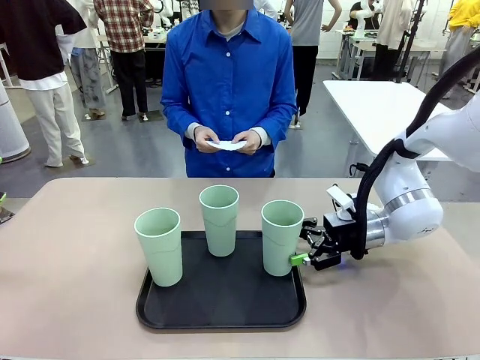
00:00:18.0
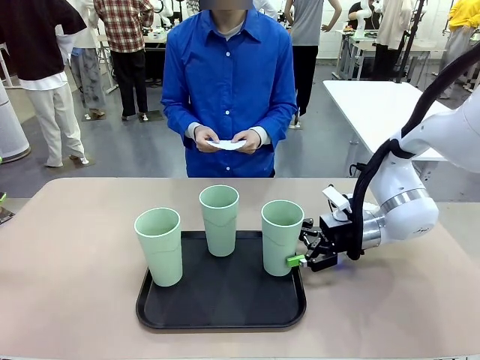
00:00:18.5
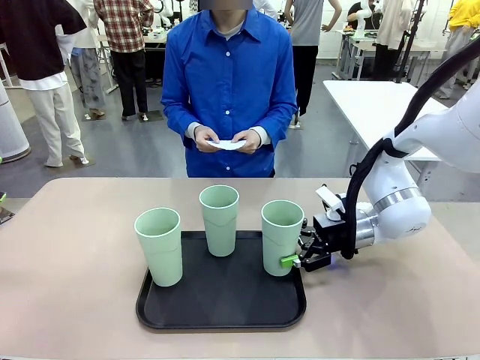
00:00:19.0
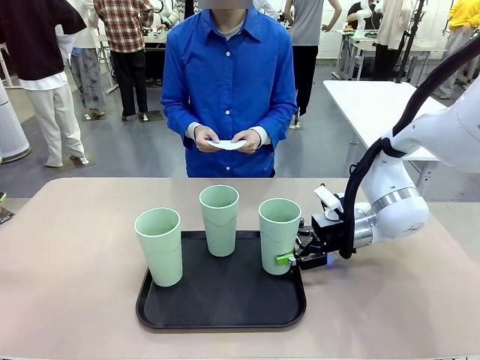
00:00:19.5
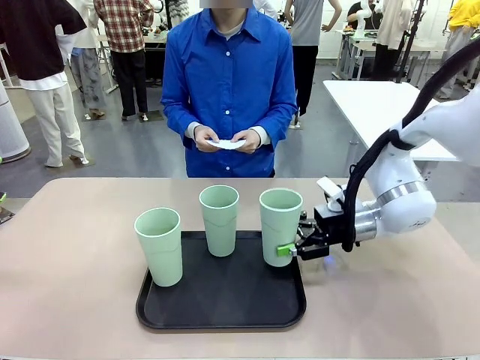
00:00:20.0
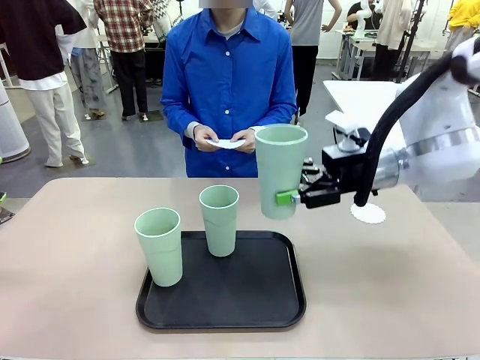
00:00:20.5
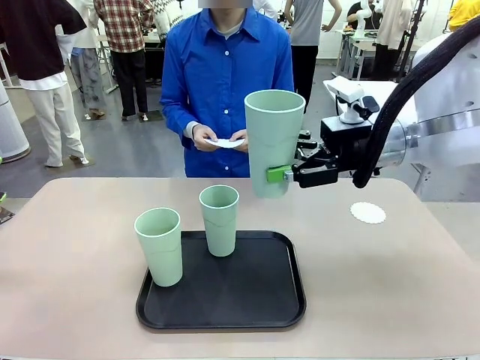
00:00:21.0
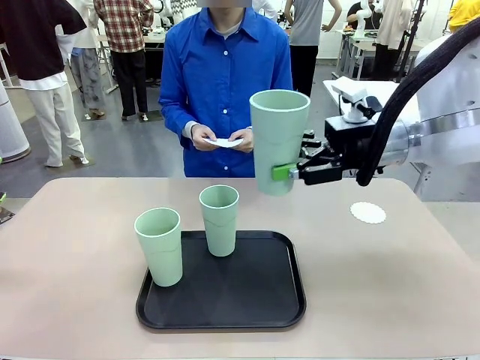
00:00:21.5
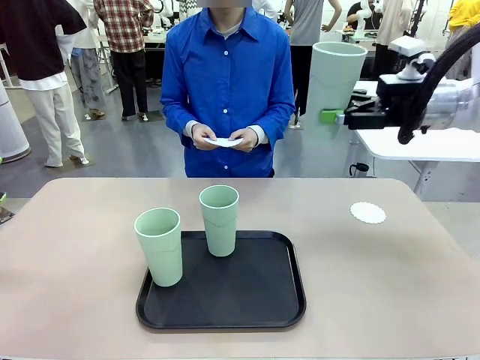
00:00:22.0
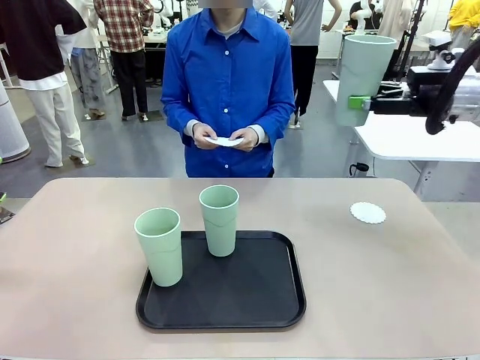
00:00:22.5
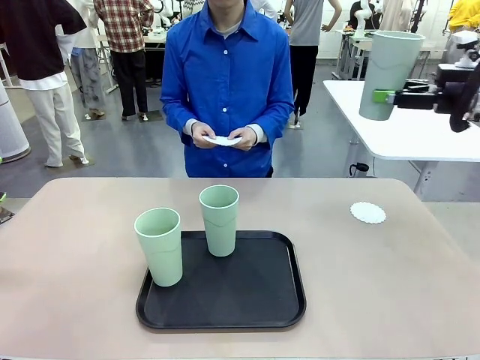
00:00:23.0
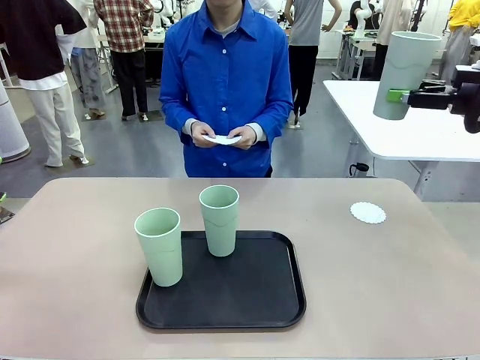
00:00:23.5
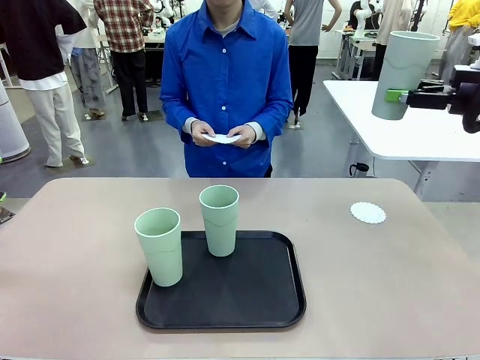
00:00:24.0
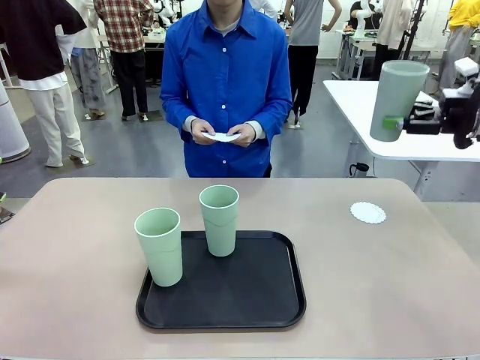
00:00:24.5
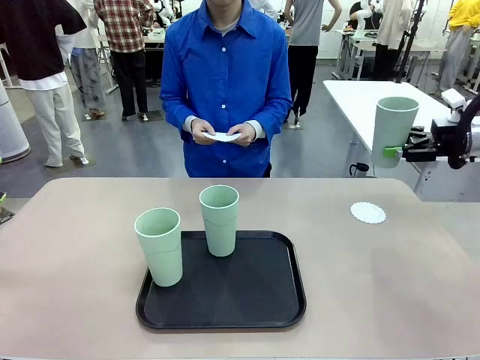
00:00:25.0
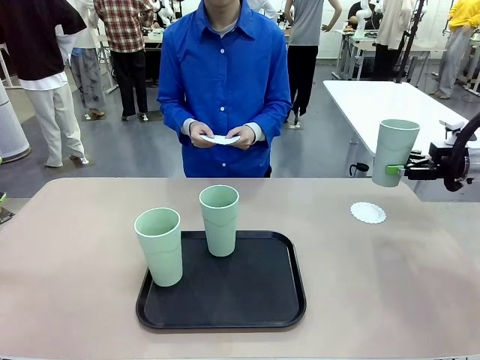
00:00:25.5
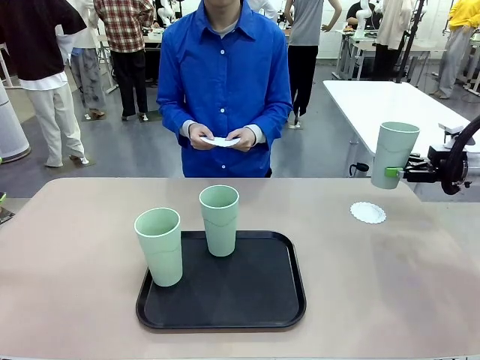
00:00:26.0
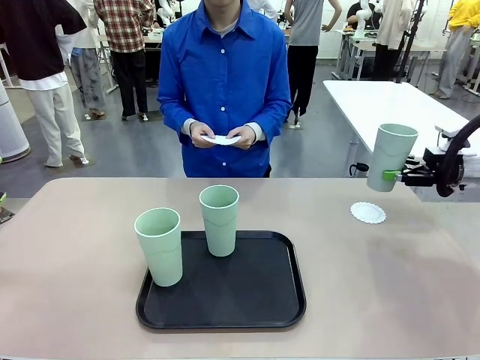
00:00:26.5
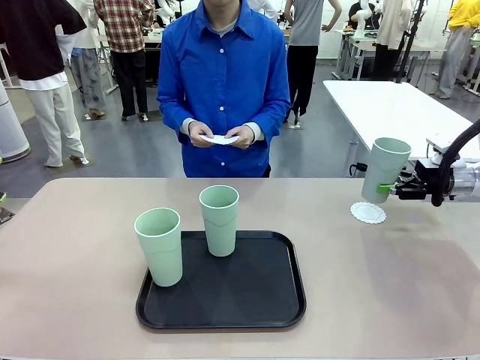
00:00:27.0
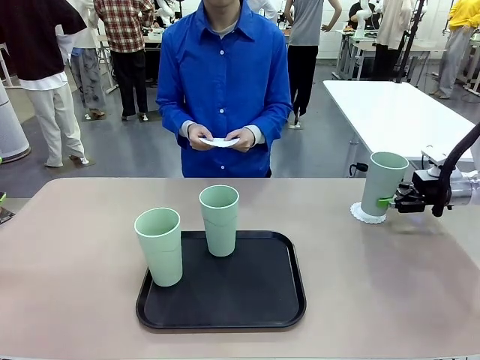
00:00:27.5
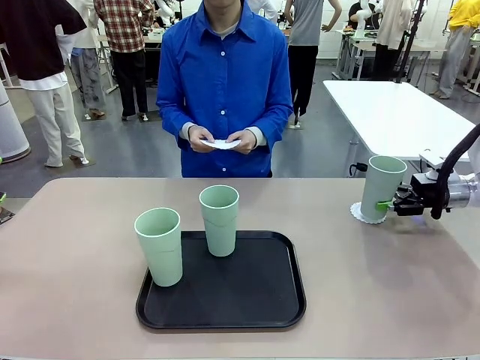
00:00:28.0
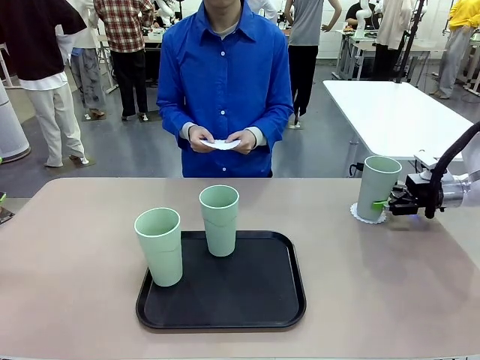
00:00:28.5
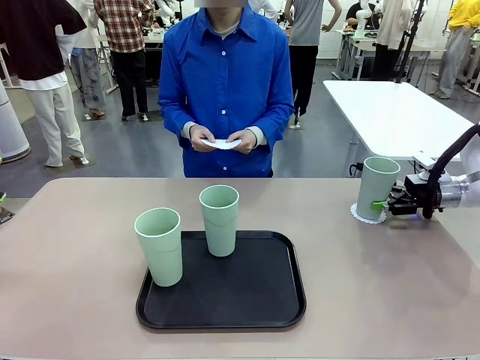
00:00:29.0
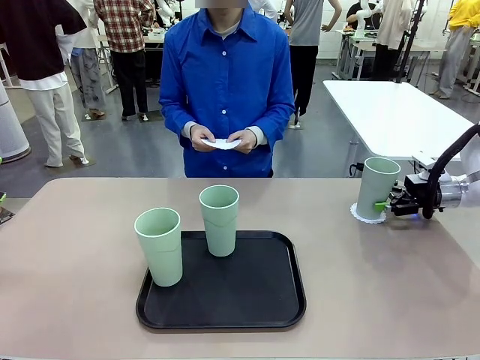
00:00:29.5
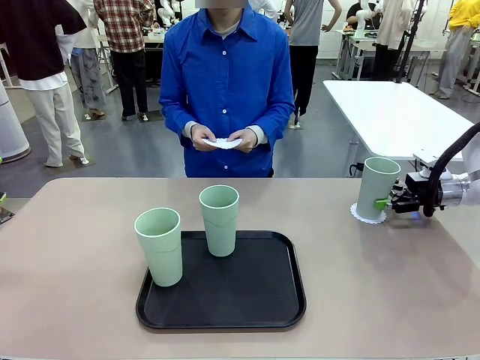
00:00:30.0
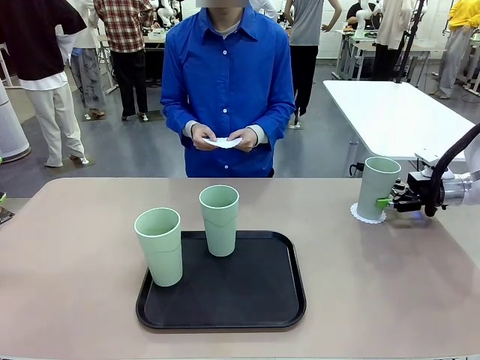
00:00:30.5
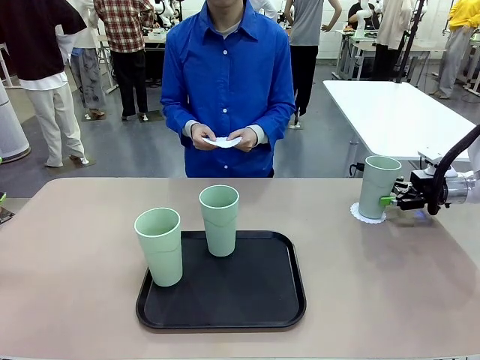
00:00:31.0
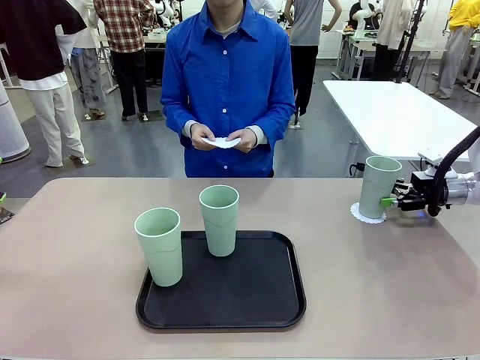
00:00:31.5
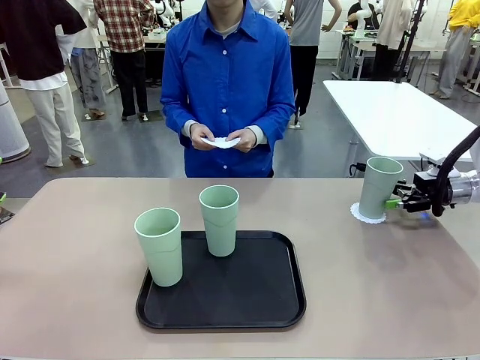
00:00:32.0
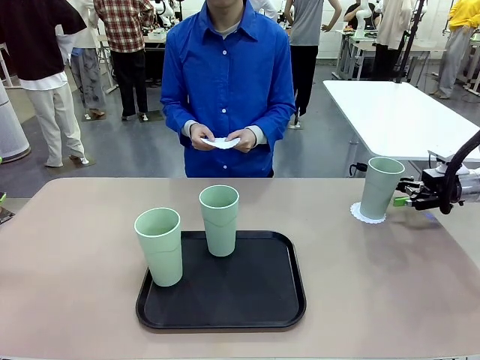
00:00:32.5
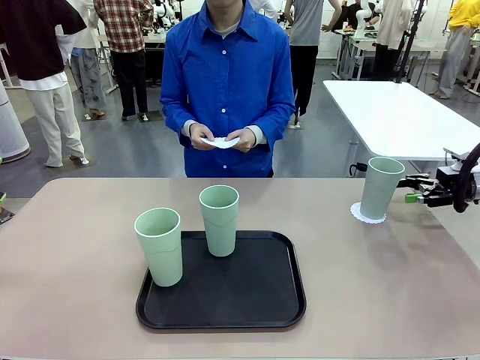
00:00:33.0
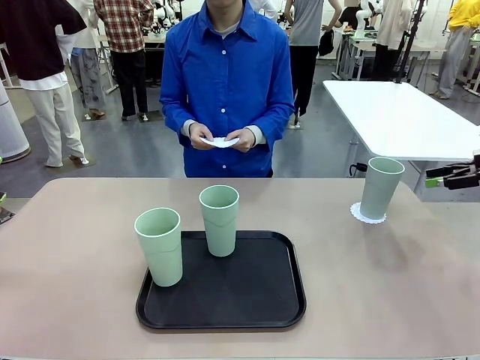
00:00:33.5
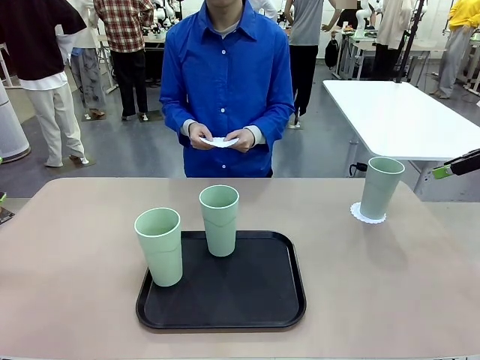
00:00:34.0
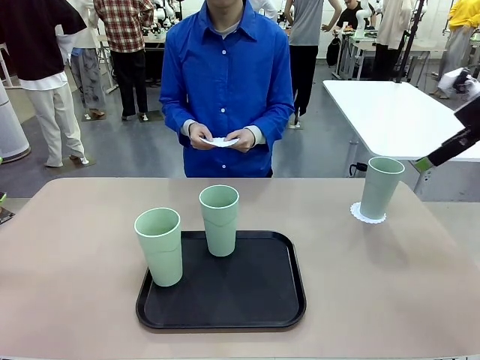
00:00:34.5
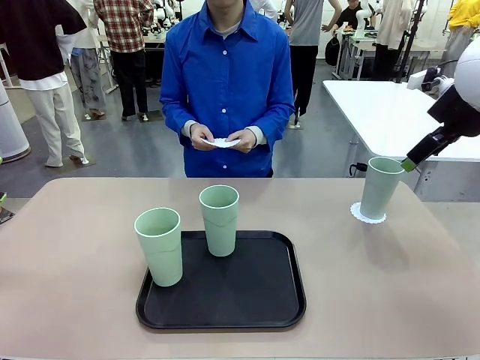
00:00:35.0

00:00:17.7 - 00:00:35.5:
Task: Place coasters on the table and set cups on them.
Robot: Pick up one Reusable plastic cup and place it on a coaster set by the human.
Person: Place one coaster in one of the two areas excluding the previously selected area.

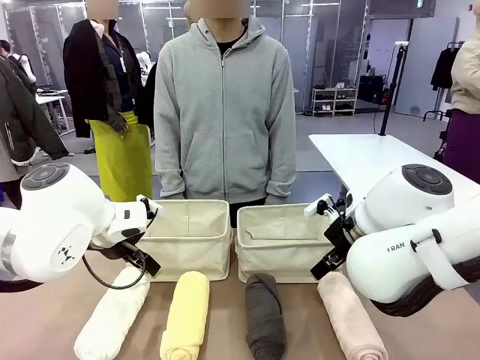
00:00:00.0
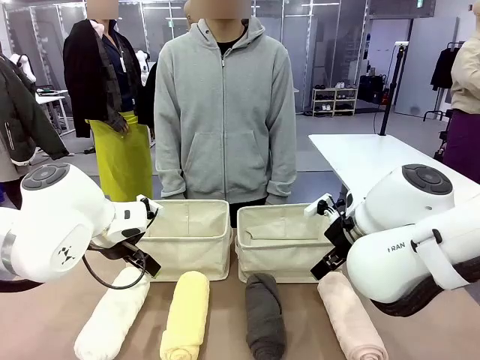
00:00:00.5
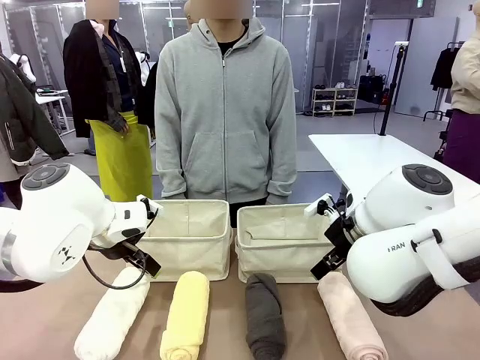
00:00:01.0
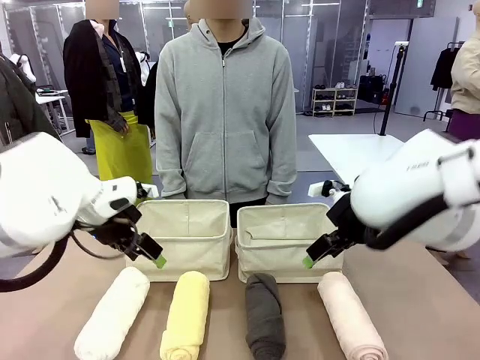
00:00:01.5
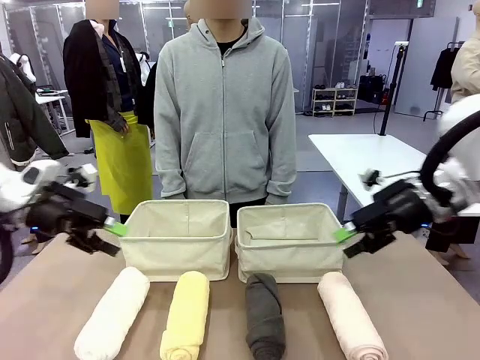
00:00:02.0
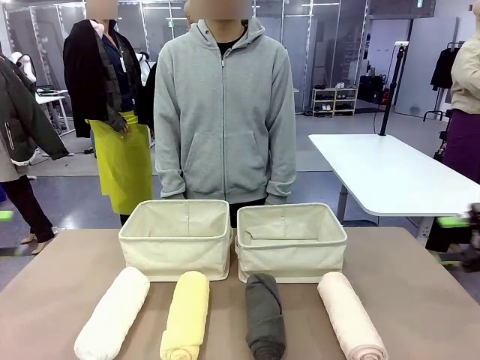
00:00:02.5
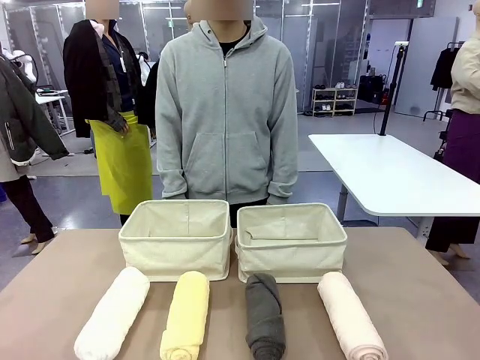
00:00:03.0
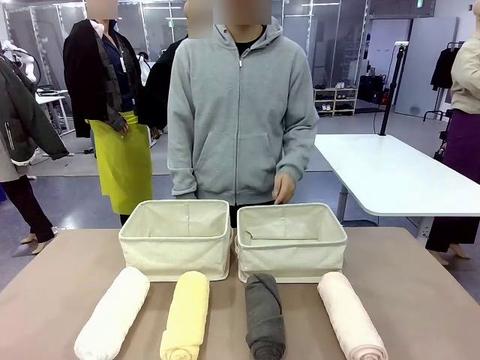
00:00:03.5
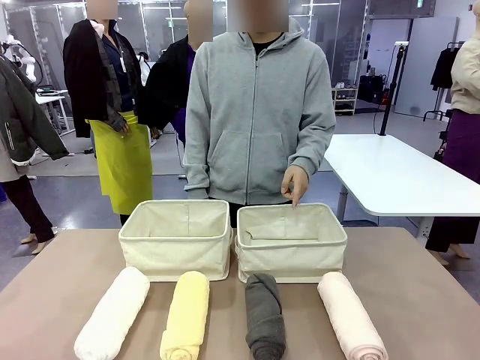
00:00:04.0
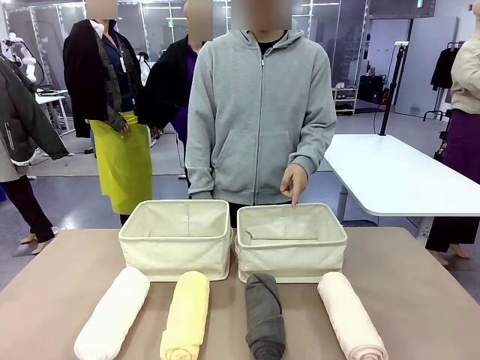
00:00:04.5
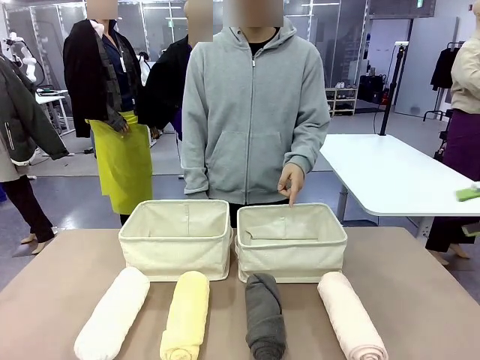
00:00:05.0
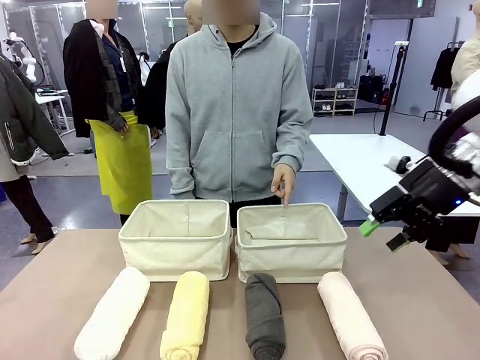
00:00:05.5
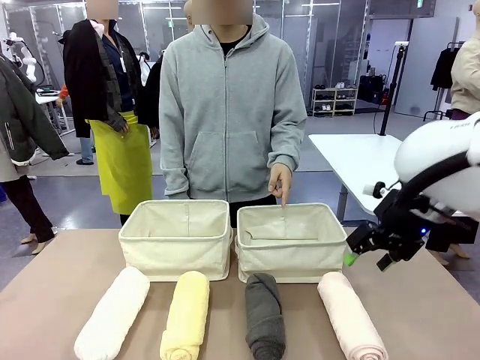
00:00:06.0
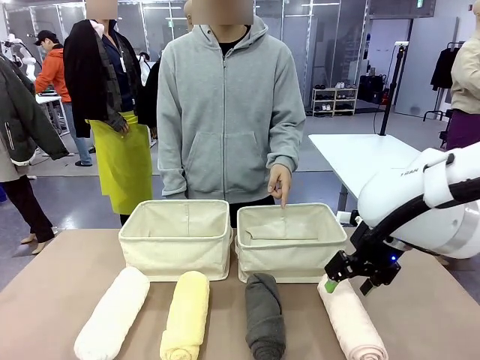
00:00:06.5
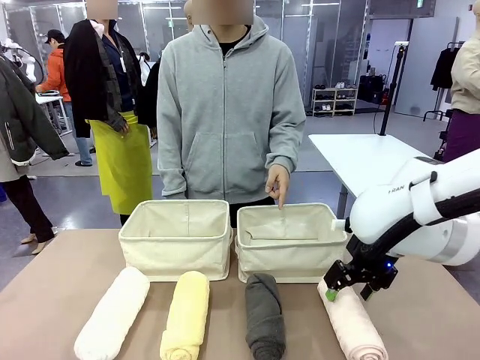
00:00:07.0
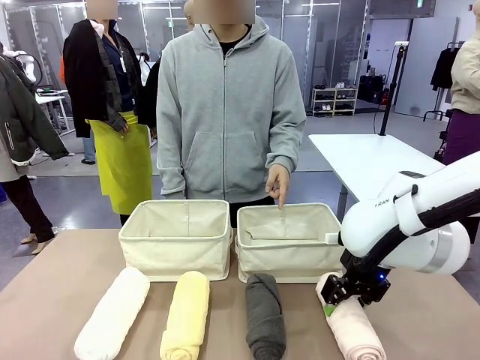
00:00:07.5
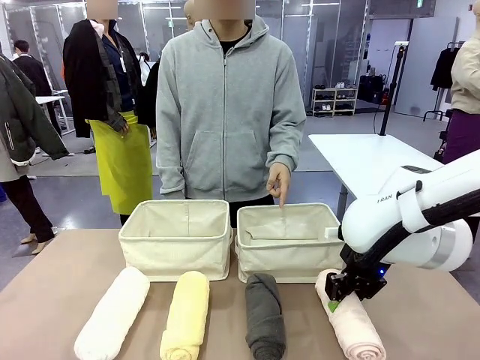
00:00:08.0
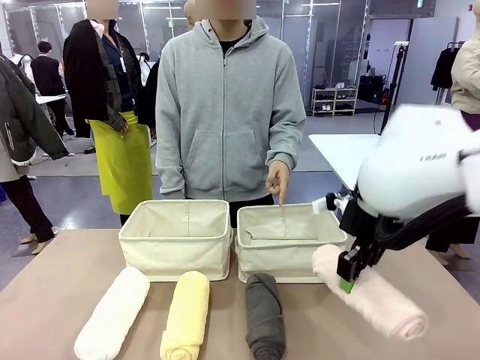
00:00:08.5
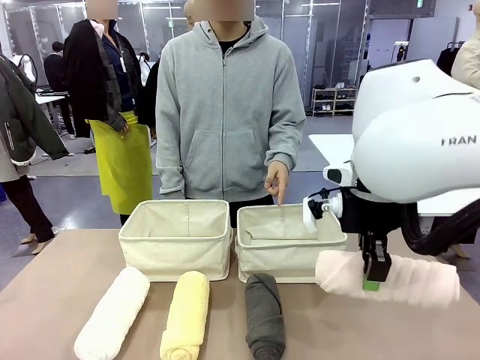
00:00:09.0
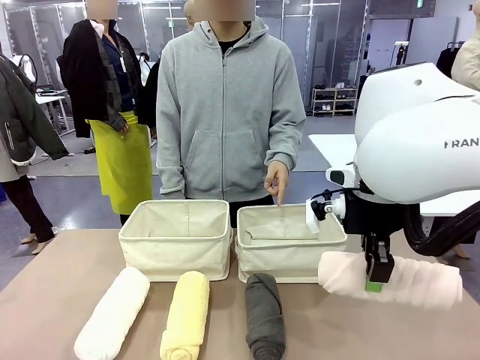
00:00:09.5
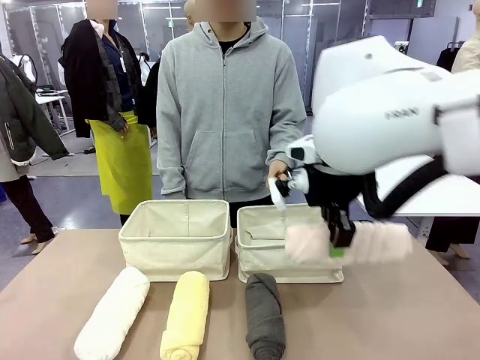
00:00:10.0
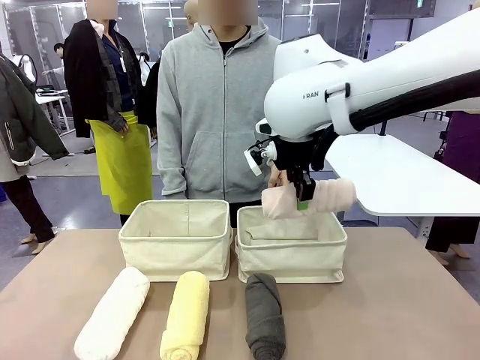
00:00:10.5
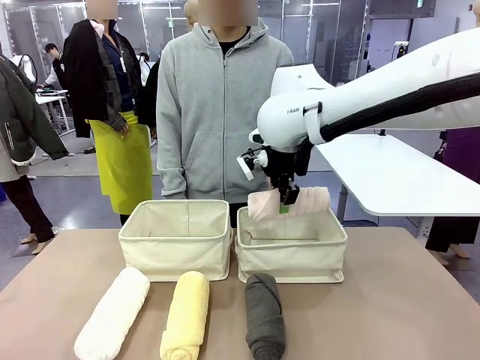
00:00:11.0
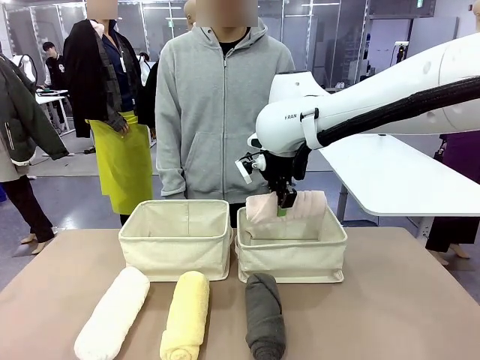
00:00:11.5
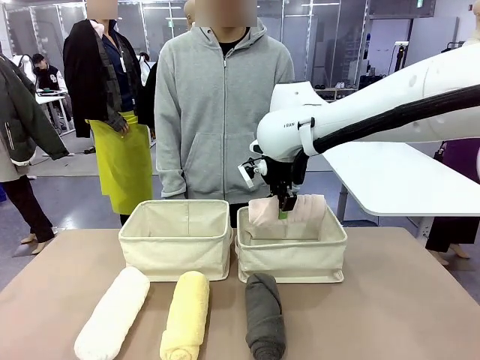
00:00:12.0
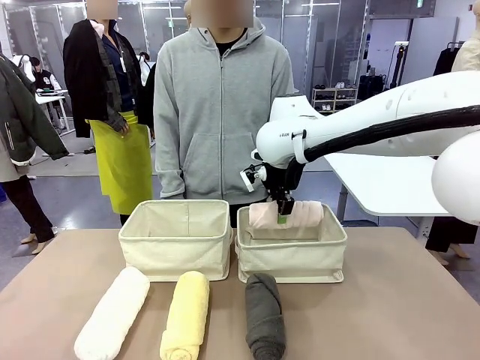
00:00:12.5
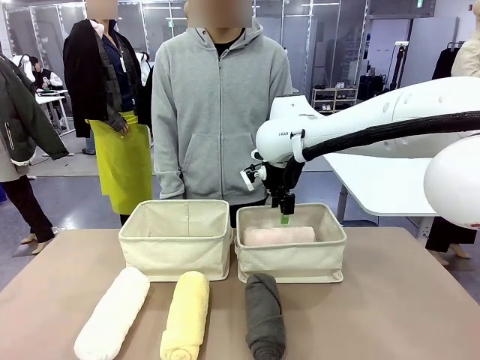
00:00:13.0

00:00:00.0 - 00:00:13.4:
Task: Divide the towels into two baskets.
Robot: Pick up one hotel-folded towel and place it in the Fabric basket indicated by the person.
